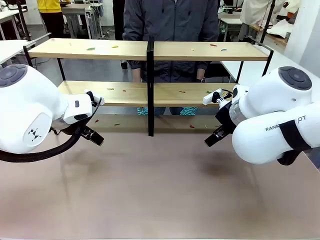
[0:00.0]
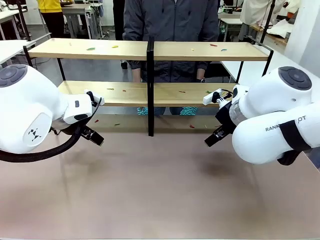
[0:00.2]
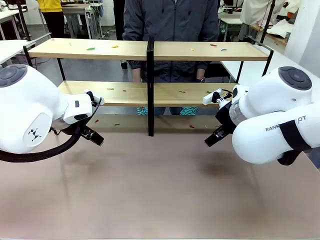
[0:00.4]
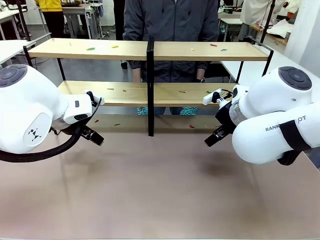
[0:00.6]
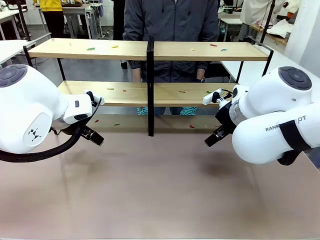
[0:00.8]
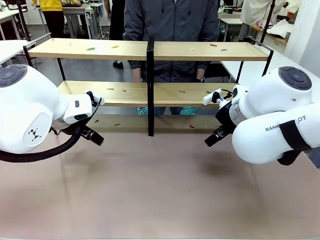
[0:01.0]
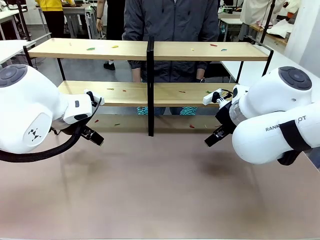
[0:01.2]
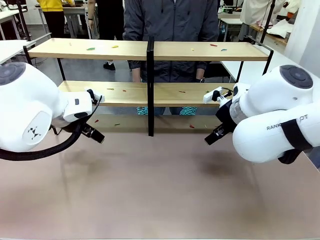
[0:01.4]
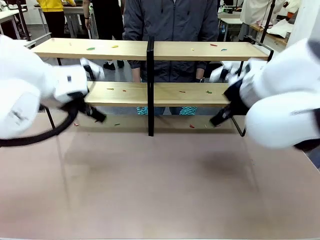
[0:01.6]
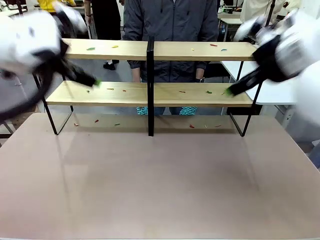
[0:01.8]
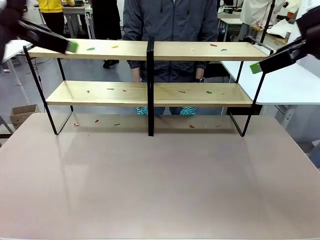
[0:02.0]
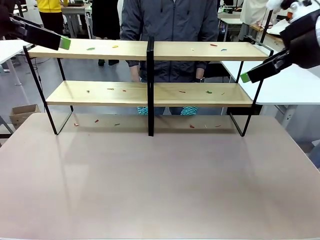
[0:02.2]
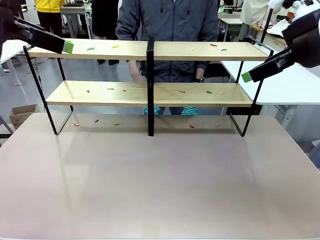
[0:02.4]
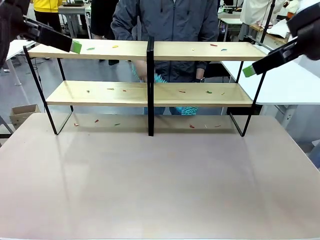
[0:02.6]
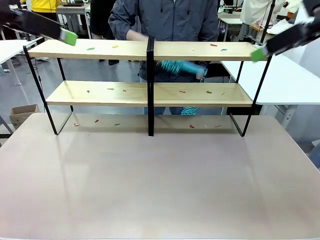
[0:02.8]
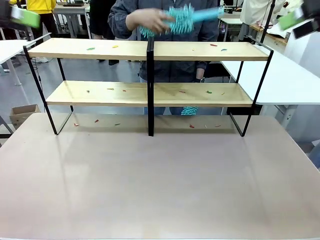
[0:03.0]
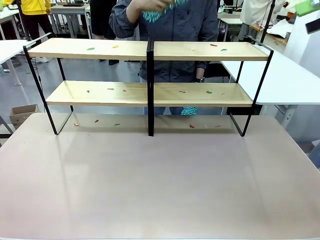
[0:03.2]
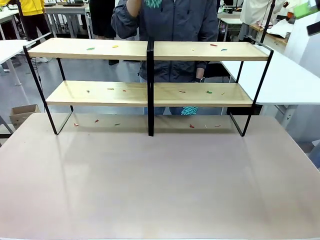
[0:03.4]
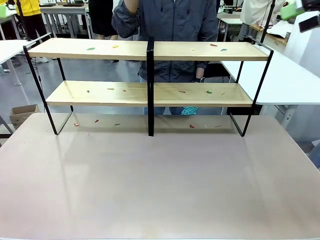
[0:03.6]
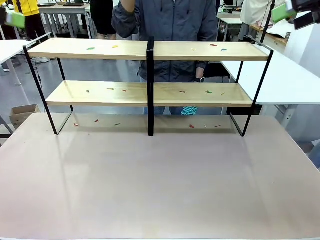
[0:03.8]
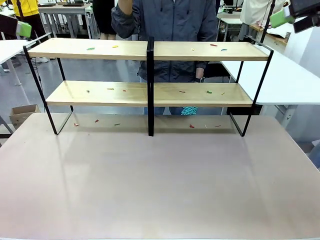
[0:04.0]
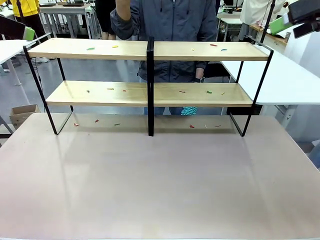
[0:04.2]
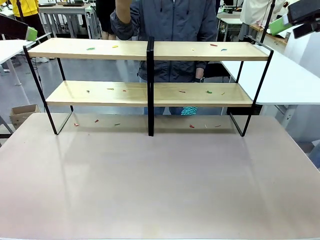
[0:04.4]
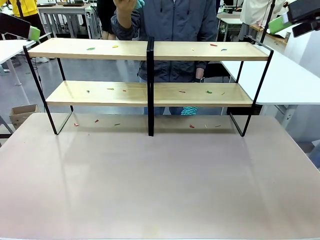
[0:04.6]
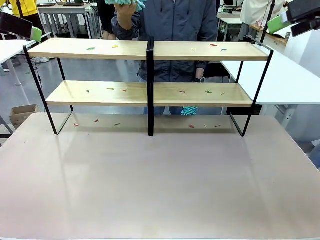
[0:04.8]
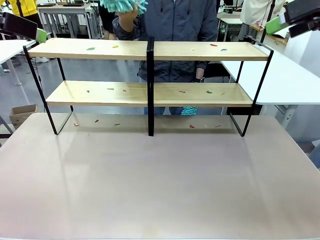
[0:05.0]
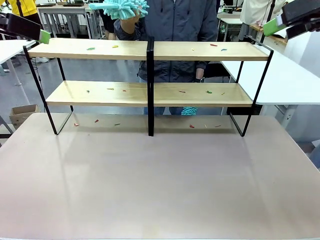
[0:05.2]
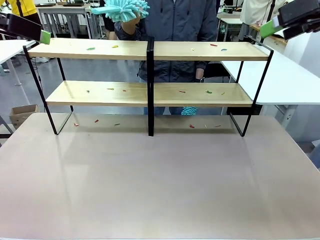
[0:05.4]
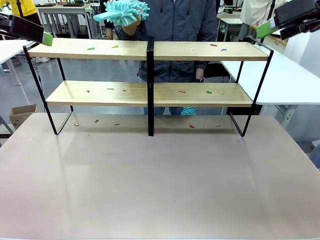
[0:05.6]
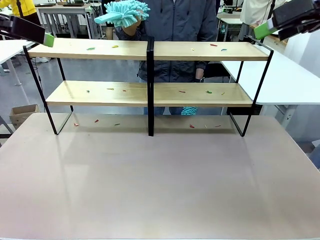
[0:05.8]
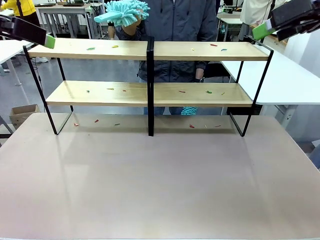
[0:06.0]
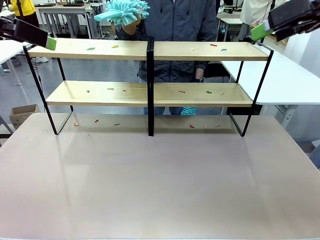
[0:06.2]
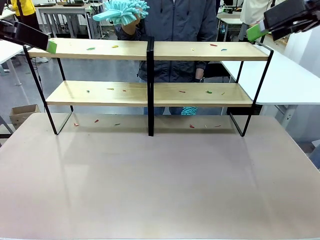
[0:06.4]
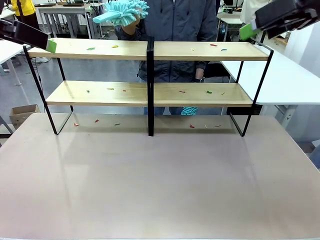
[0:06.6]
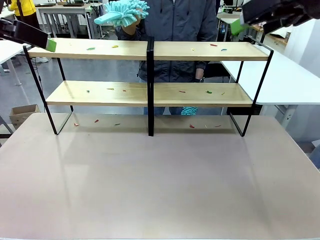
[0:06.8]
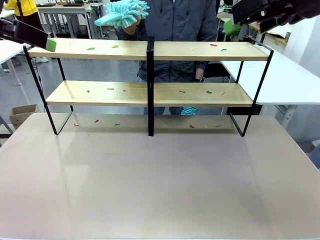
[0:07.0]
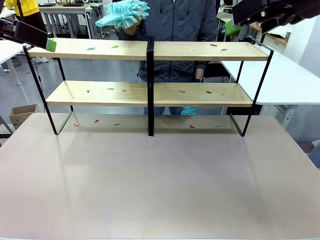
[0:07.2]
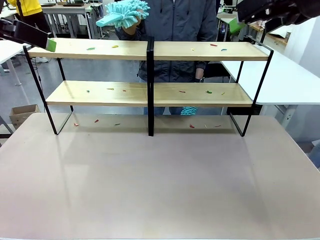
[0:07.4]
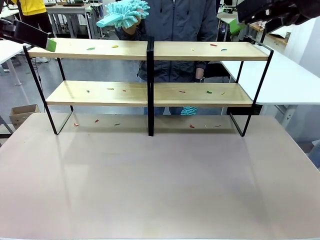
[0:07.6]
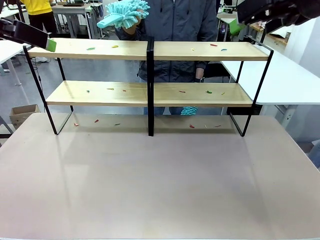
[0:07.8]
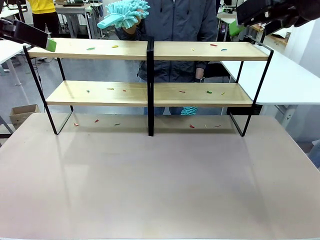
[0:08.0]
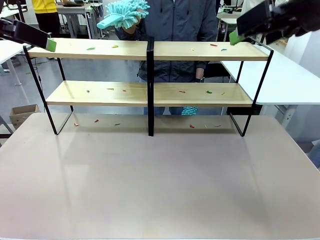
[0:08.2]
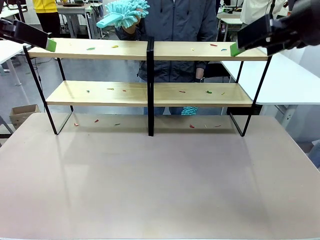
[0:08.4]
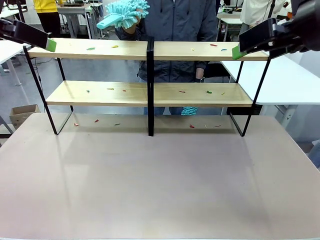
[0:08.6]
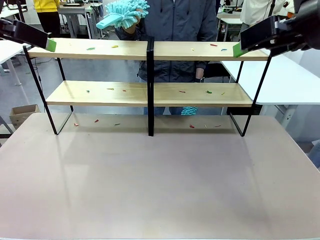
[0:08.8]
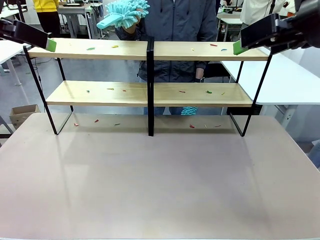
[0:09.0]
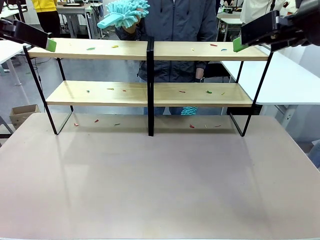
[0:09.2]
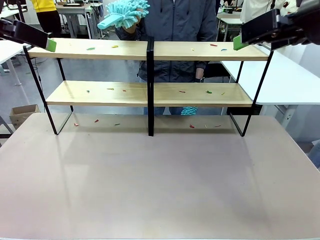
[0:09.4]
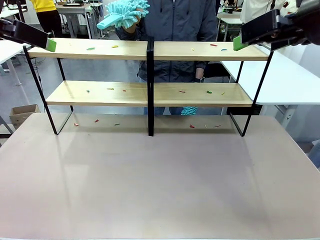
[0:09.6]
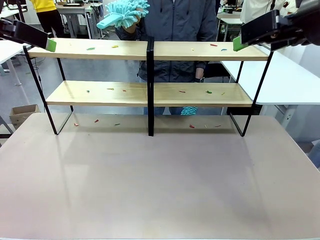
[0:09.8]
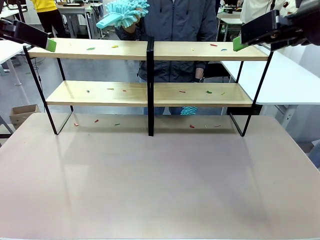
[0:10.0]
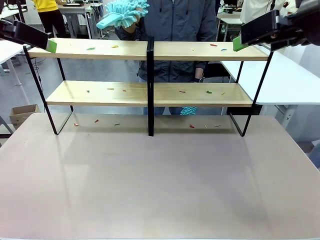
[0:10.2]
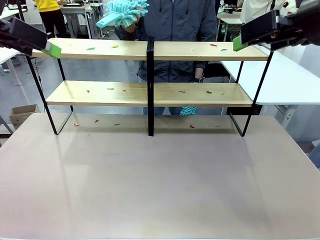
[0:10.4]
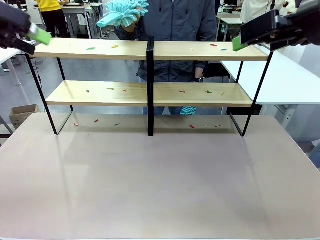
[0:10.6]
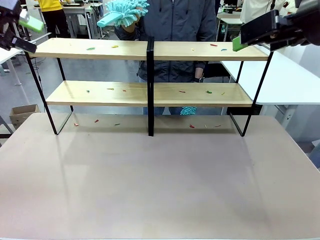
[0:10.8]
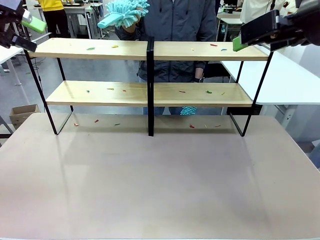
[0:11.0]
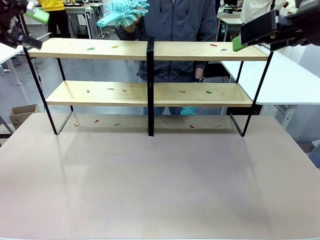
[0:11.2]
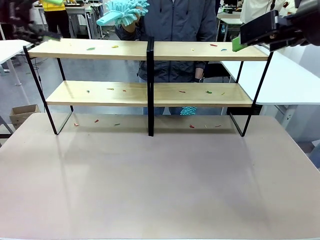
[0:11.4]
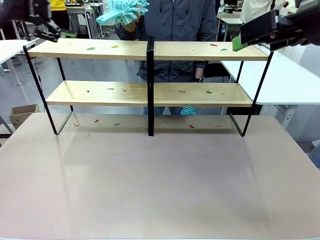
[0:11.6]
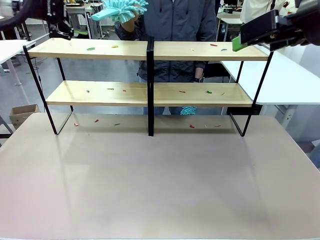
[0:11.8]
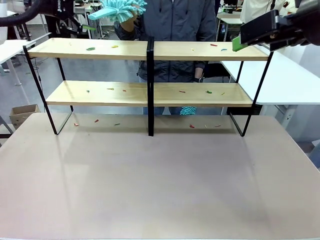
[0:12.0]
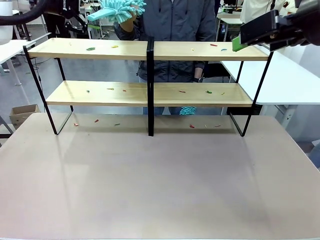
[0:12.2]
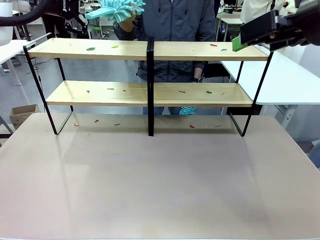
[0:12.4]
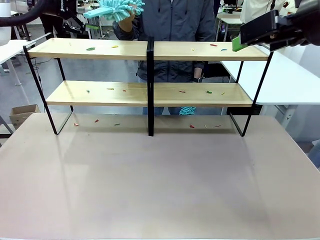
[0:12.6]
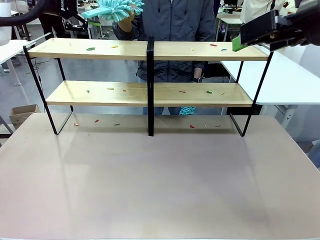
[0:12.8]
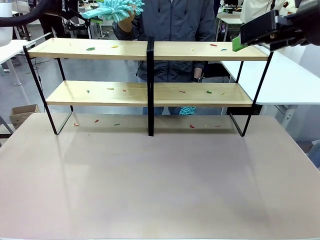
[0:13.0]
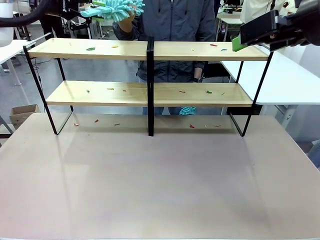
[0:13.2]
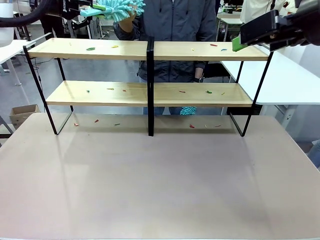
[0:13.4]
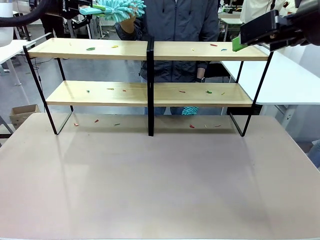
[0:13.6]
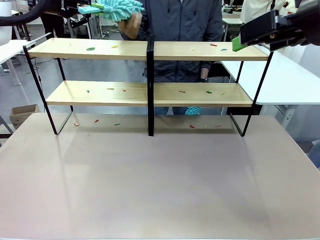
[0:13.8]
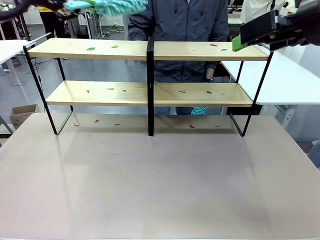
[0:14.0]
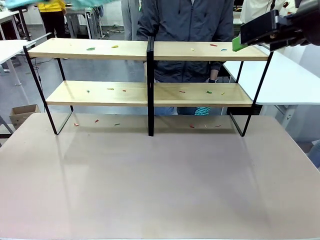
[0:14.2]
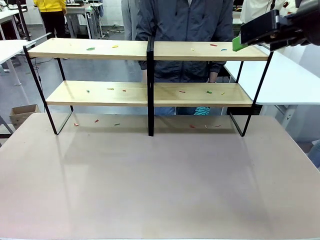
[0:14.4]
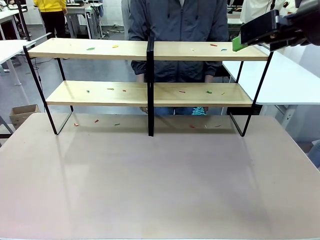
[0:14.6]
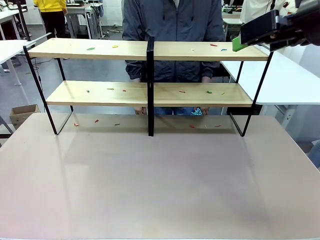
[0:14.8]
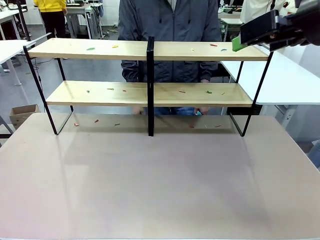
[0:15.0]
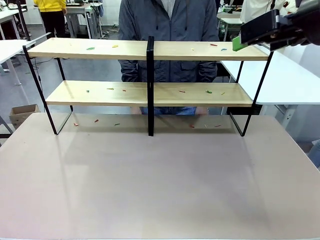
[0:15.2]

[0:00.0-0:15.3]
Task: Clean the shelves.
Robot: Pick up the Duster when the human hands it over.
Person: Hand the Duster to the robot with your right (or left) hand.
